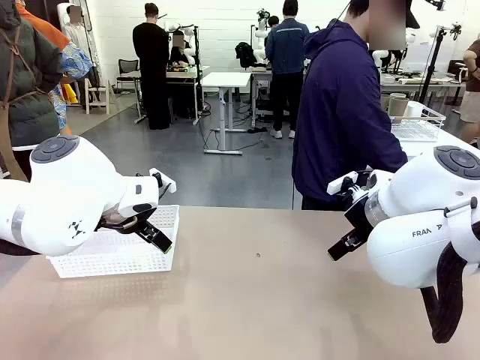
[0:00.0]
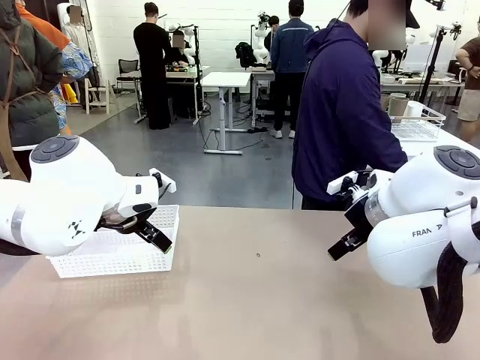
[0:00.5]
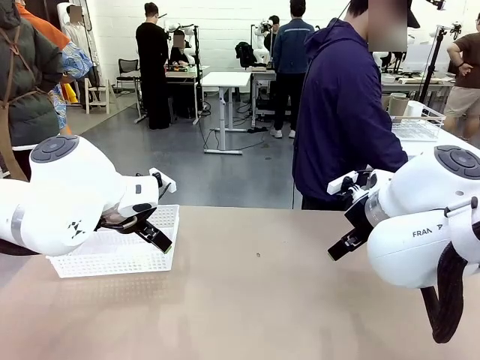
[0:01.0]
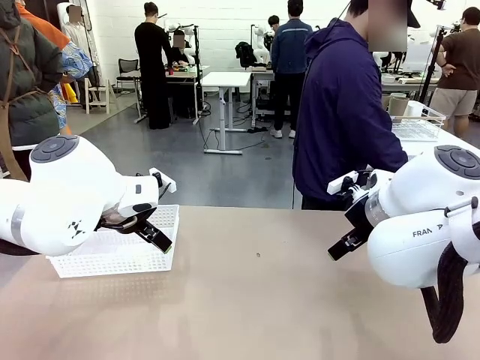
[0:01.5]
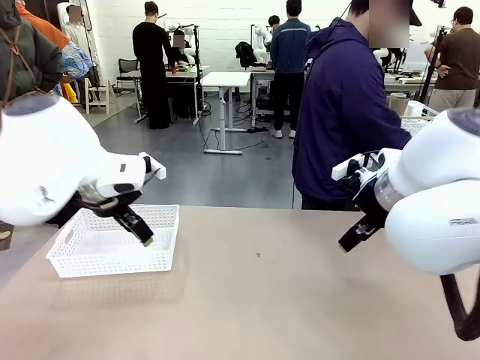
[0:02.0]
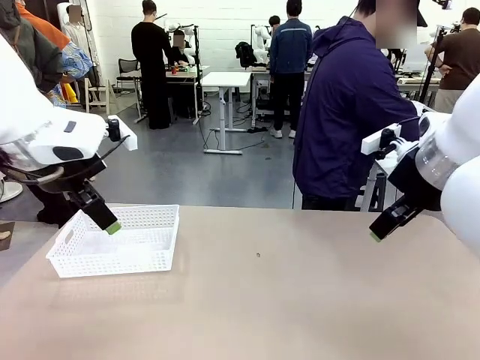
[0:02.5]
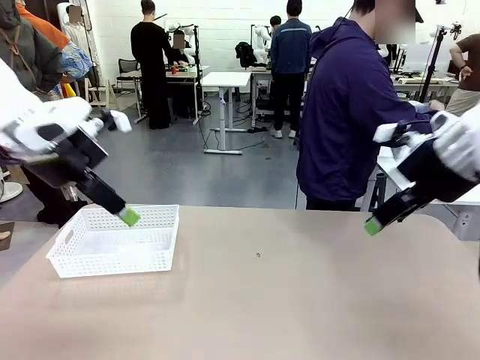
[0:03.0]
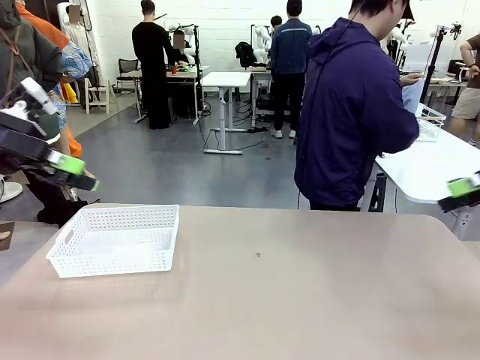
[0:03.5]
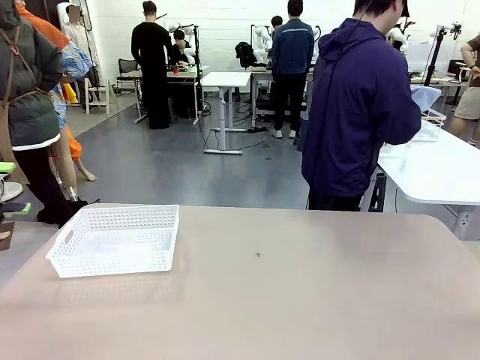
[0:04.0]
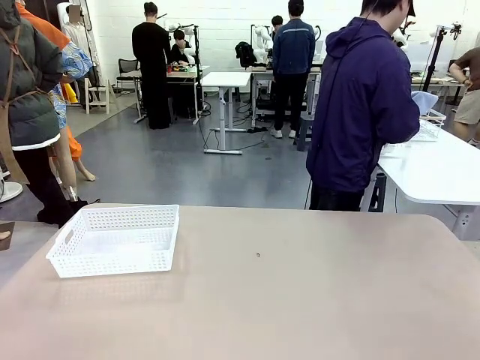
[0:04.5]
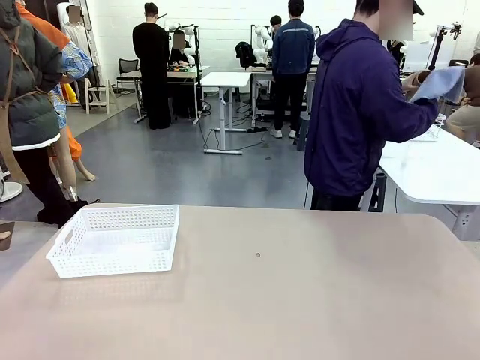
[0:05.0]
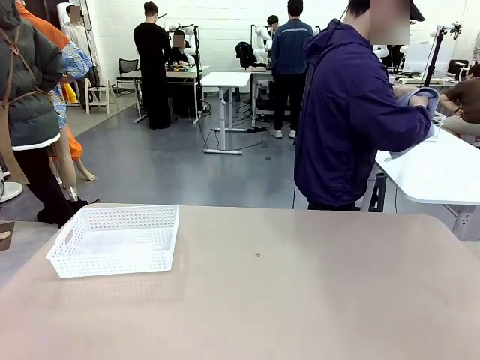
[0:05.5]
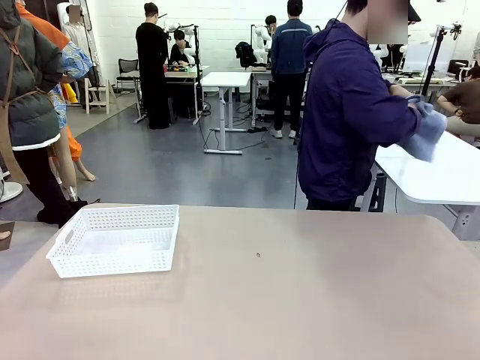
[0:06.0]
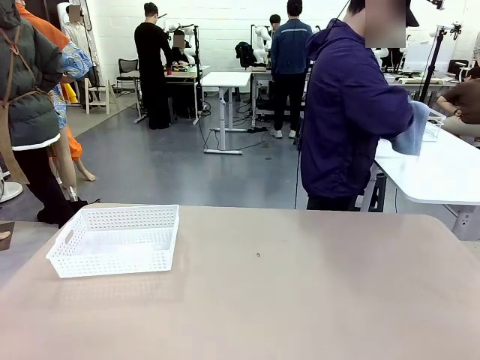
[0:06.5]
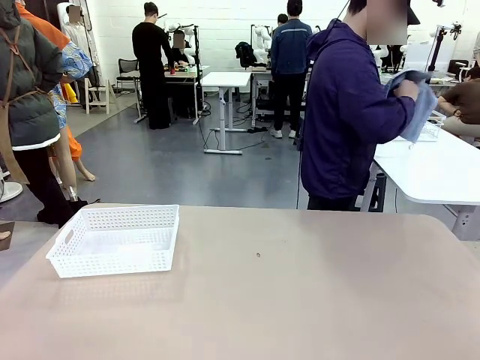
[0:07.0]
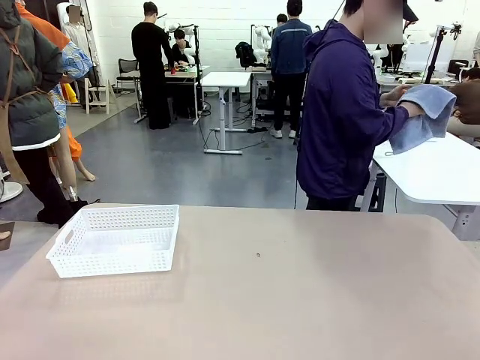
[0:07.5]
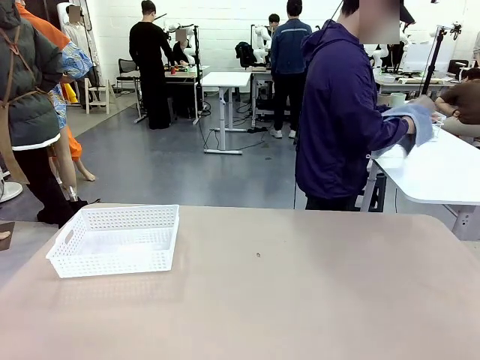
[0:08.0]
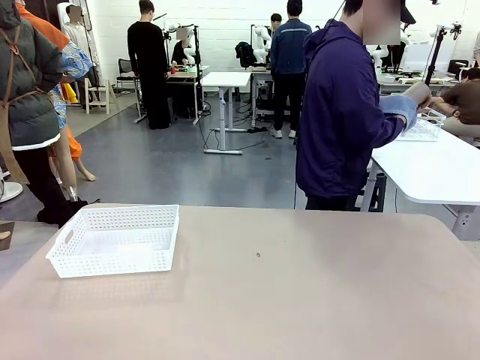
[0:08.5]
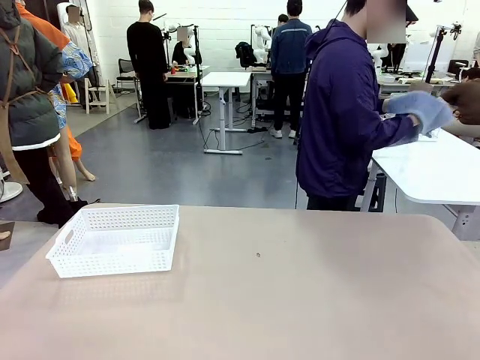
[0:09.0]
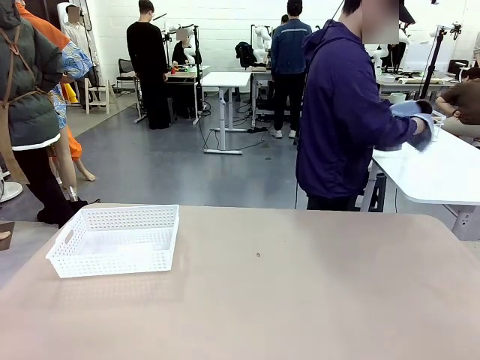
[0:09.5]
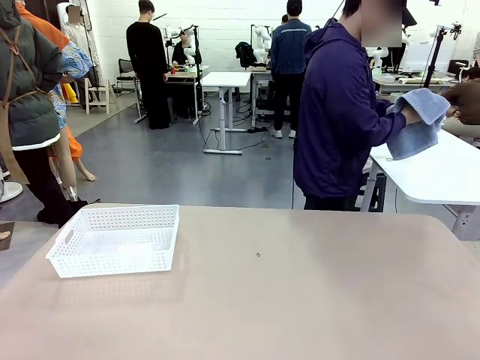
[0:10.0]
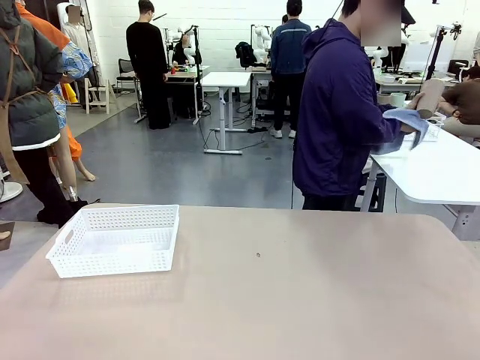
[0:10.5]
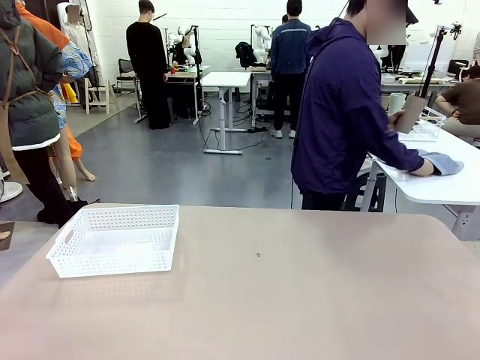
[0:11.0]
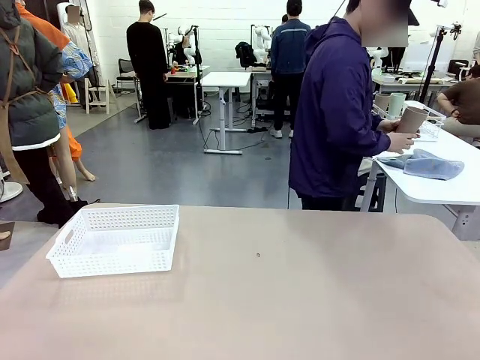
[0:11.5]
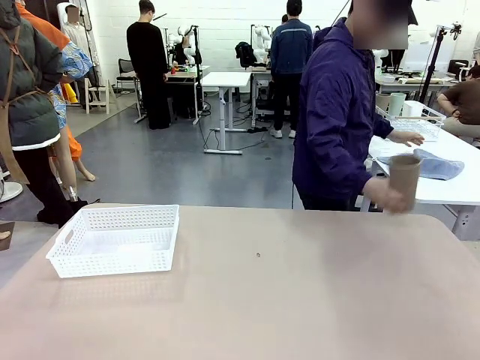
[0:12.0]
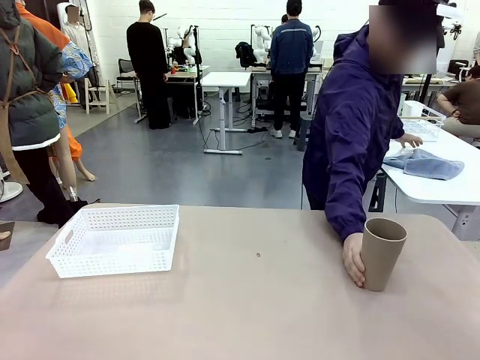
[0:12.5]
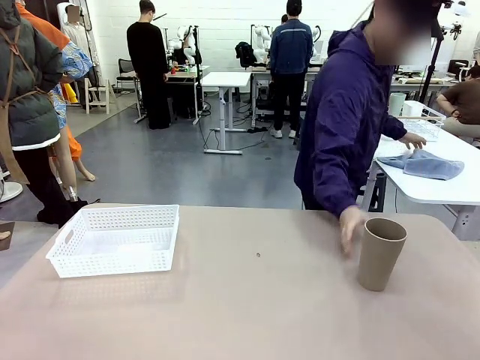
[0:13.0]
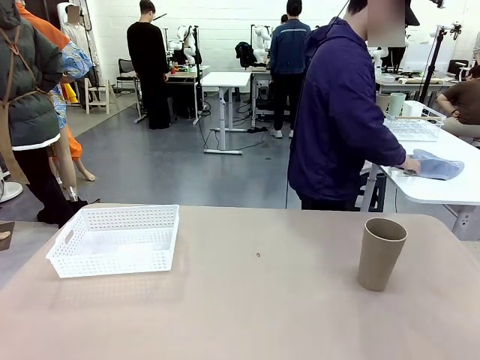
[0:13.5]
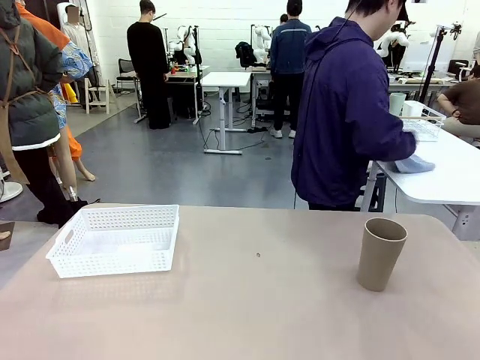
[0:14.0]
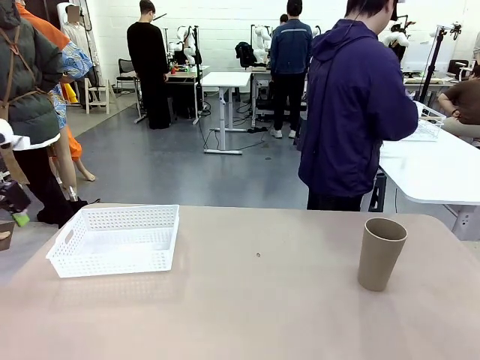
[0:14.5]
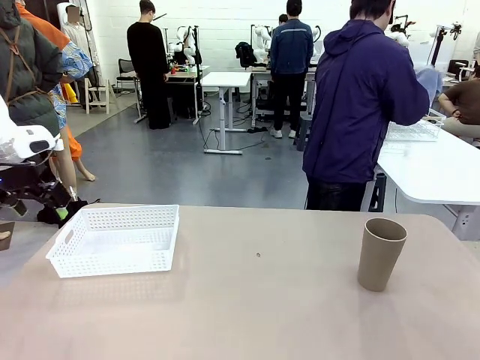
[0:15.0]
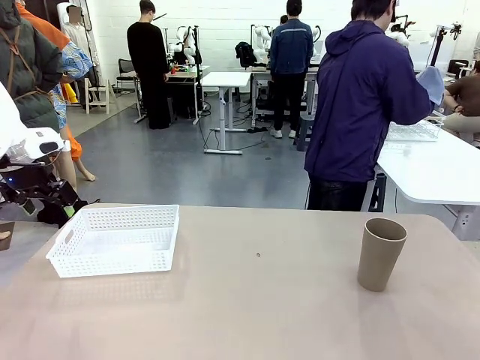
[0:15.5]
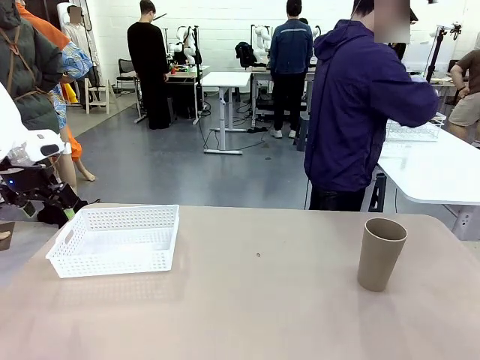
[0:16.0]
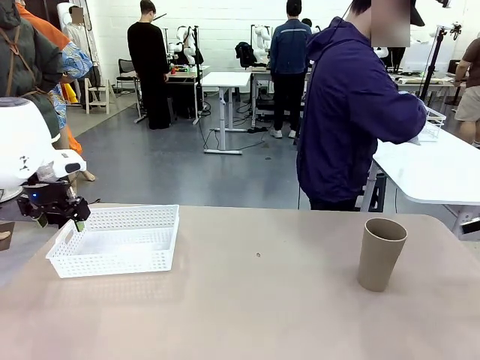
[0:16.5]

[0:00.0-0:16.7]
Task: Clean and organize the cups into the basket.
Robot: Pick up the Organizing basket and move it to the center of the table, then pick up the Reusable plastic cup from the right side of the table and place it inside the Organizing basket.
Person: Picks up a cup and a towel, cleans the cup with the towel, and places it on the left side of the robot table.

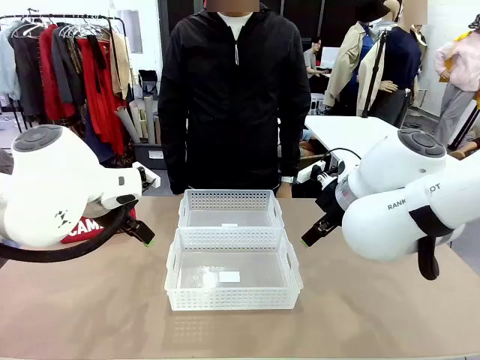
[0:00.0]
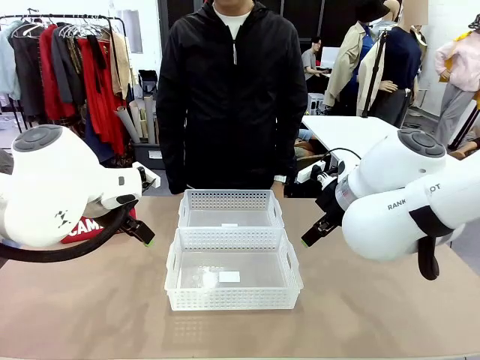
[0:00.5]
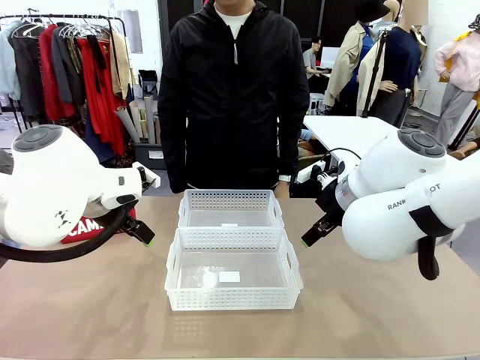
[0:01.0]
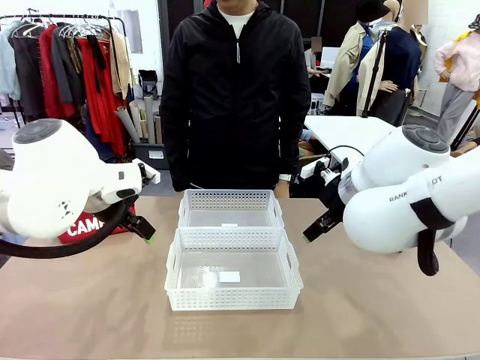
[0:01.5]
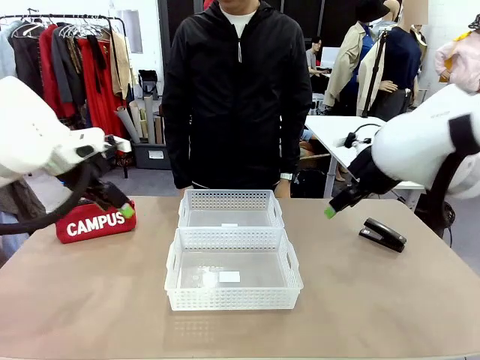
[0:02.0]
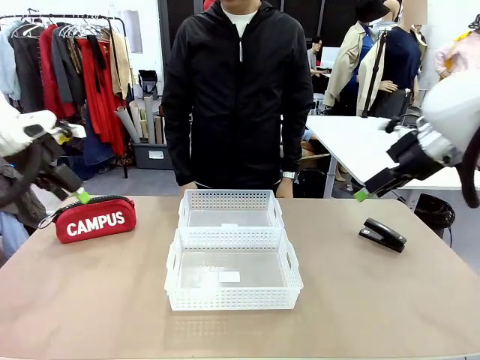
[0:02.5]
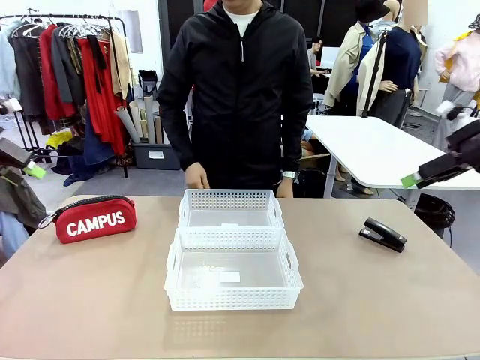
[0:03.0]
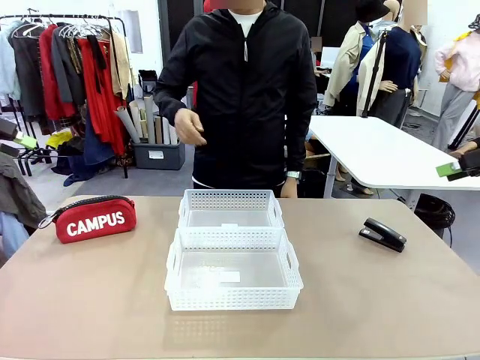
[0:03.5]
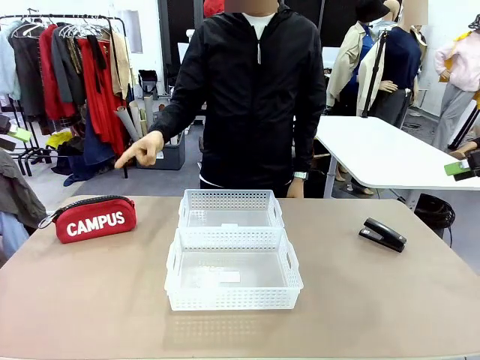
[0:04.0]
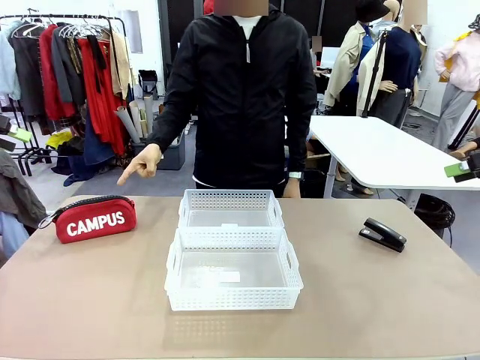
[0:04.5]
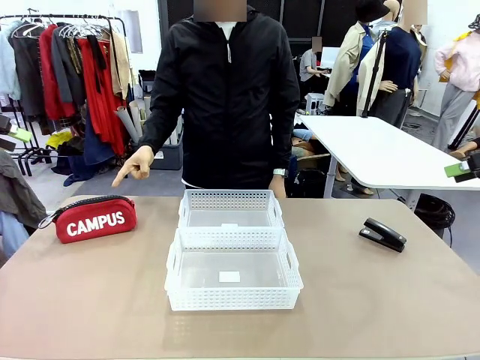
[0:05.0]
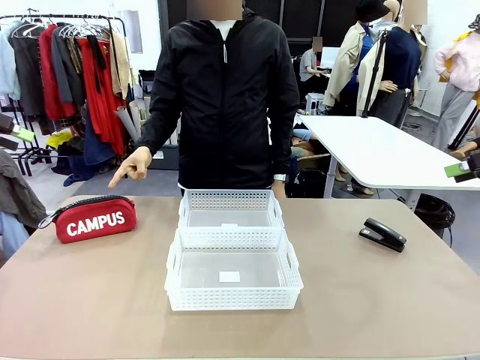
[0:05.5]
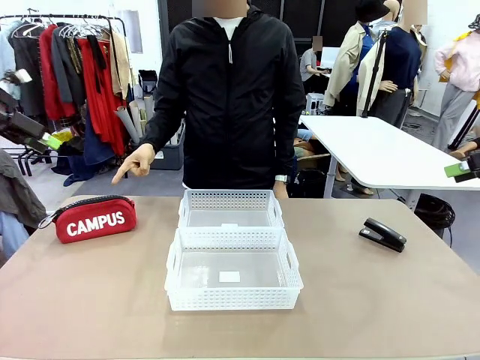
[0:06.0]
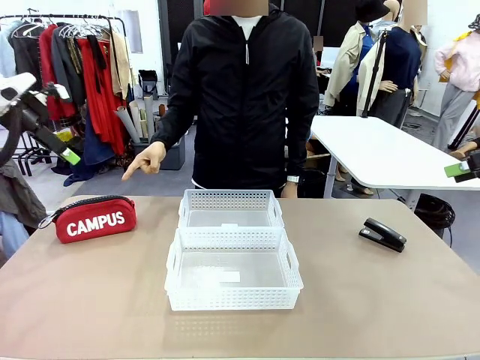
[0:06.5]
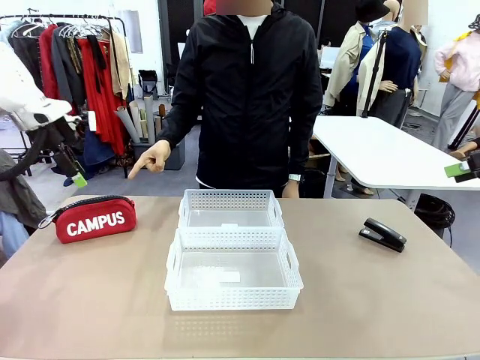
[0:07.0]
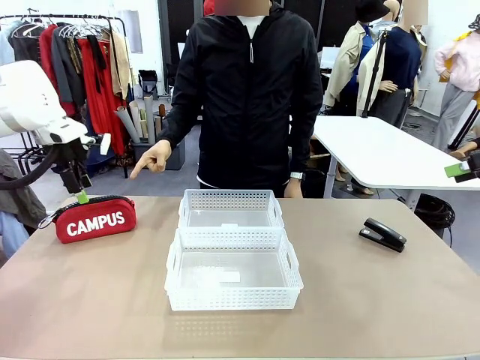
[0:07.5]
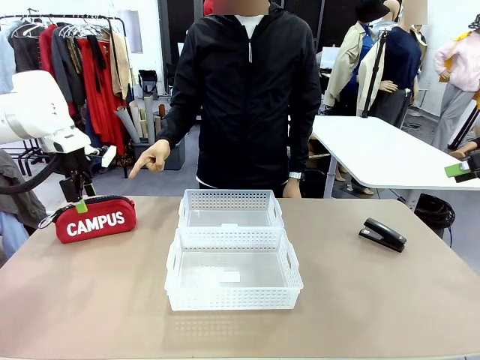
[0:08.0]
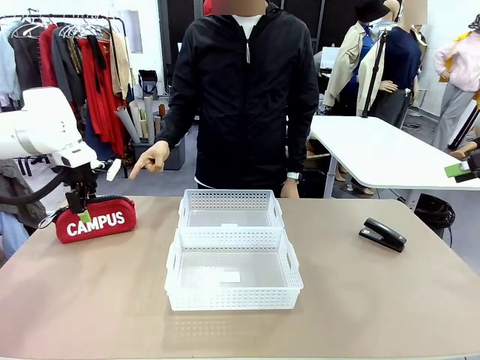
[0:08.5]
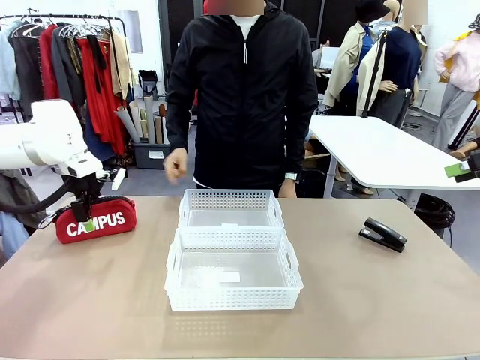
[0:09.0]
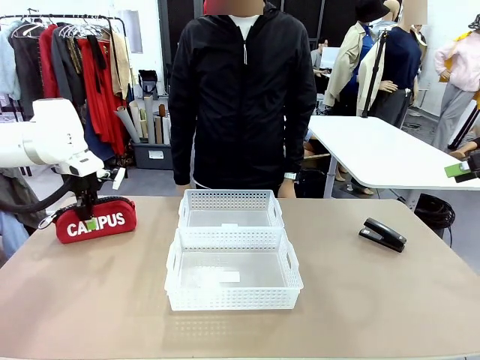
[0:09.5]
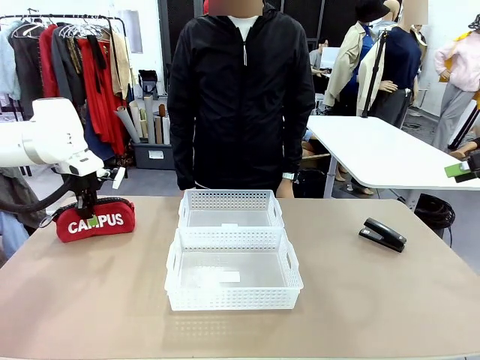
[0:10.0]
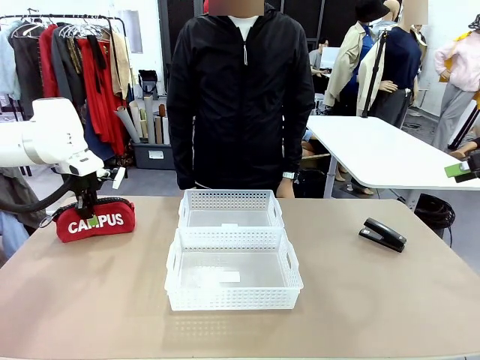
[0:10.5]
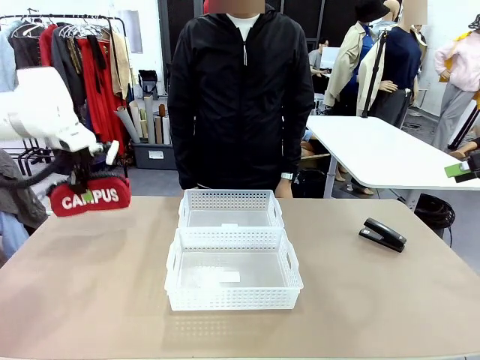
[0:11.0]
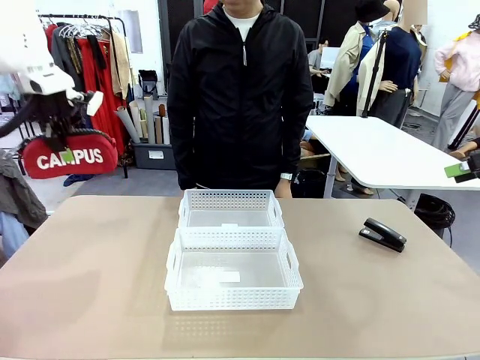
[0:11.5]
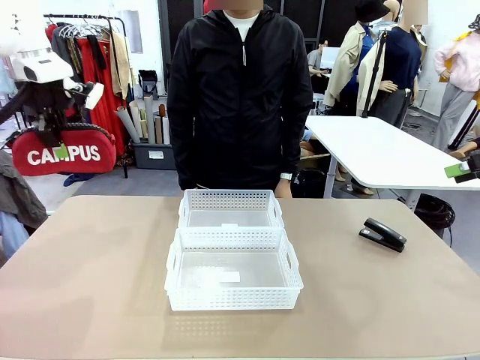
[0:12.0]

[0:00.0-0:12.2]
Task: Distribute items into two baskets.
Robot: Pick up the Pencil pouch that the person points to.
Person: Points to the pencil case. Points between the two organizing baskets and instructs the robot to move the pencil case.
